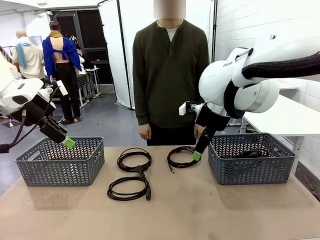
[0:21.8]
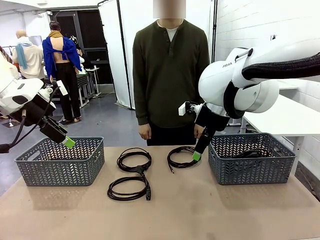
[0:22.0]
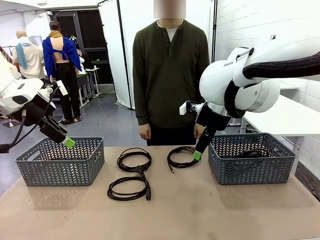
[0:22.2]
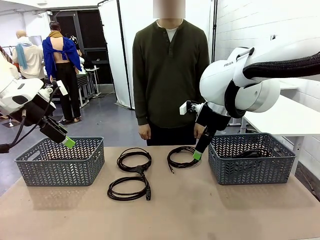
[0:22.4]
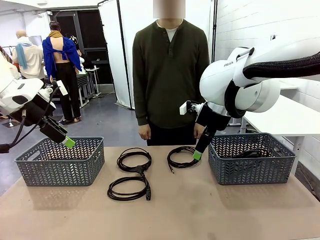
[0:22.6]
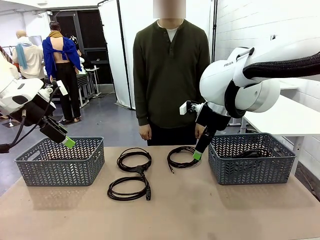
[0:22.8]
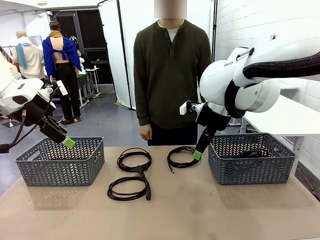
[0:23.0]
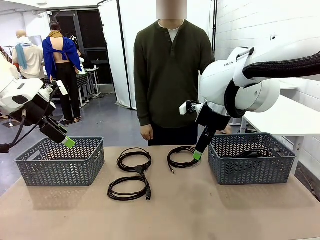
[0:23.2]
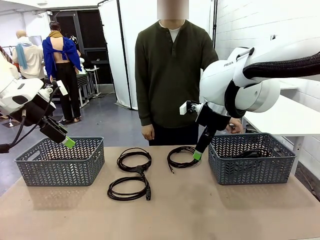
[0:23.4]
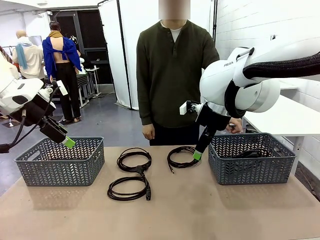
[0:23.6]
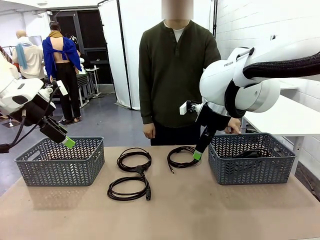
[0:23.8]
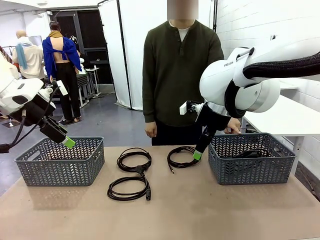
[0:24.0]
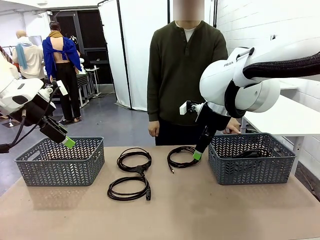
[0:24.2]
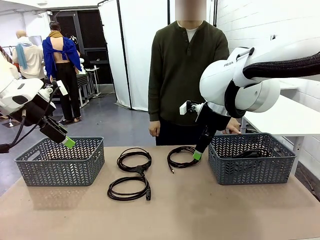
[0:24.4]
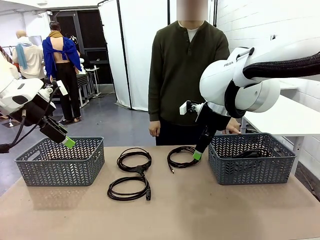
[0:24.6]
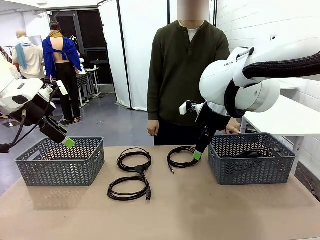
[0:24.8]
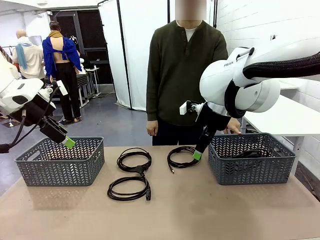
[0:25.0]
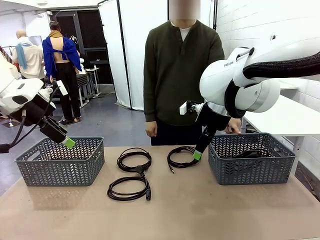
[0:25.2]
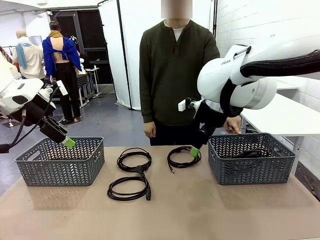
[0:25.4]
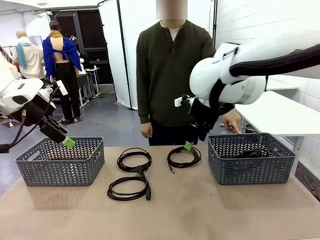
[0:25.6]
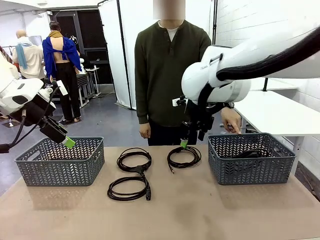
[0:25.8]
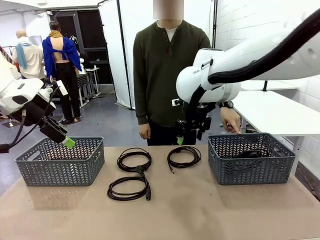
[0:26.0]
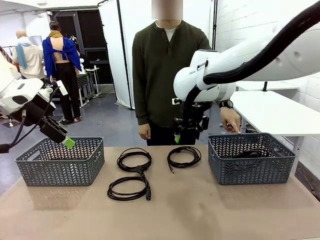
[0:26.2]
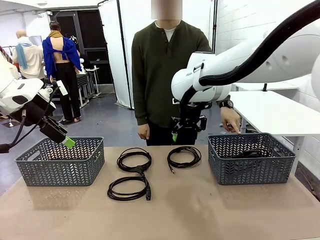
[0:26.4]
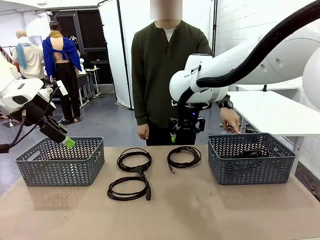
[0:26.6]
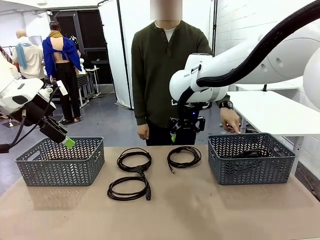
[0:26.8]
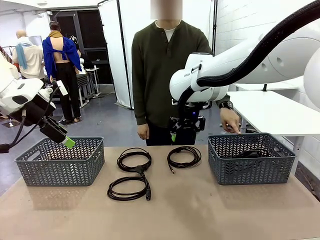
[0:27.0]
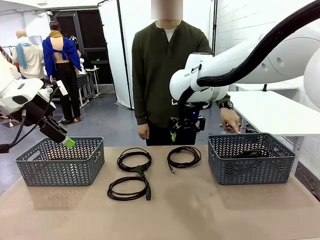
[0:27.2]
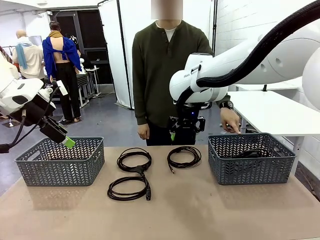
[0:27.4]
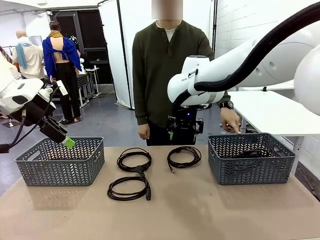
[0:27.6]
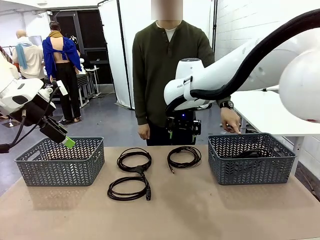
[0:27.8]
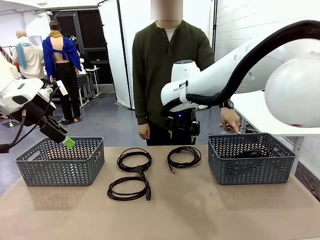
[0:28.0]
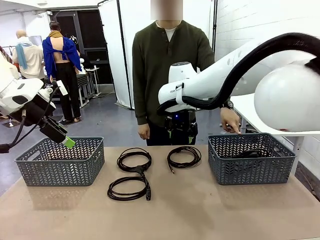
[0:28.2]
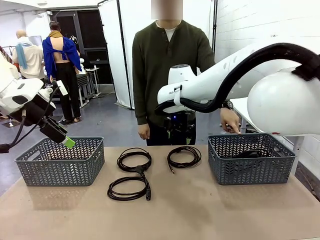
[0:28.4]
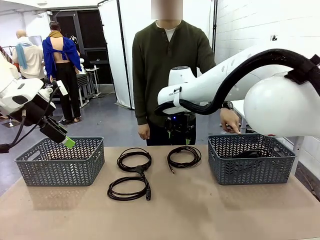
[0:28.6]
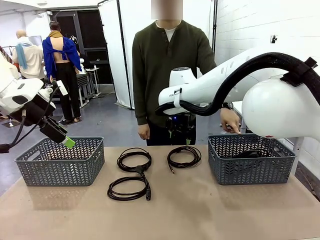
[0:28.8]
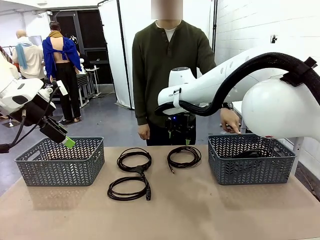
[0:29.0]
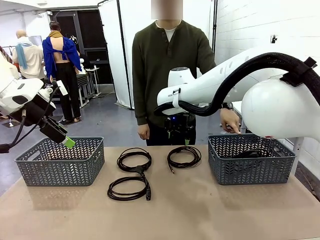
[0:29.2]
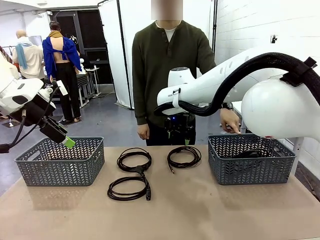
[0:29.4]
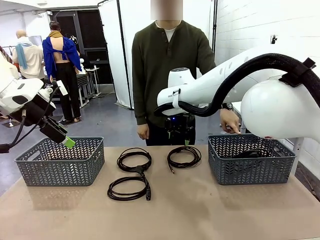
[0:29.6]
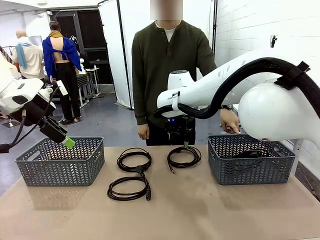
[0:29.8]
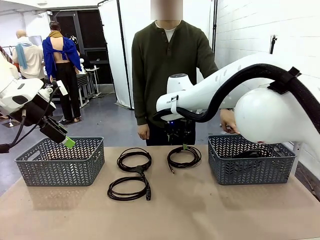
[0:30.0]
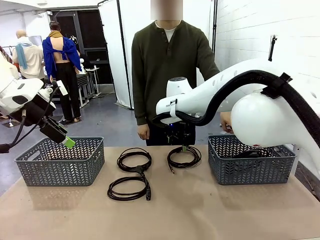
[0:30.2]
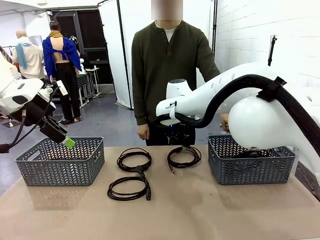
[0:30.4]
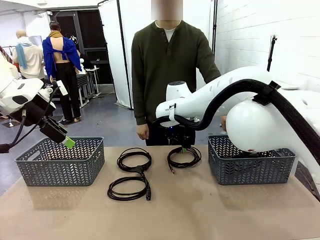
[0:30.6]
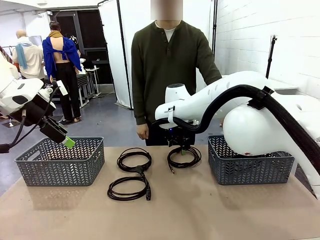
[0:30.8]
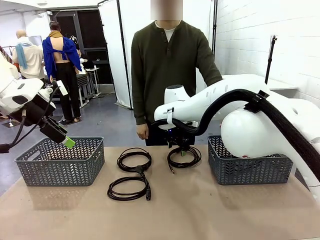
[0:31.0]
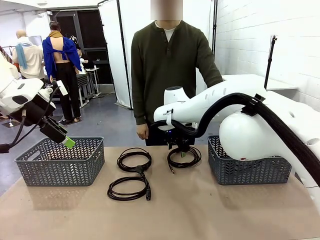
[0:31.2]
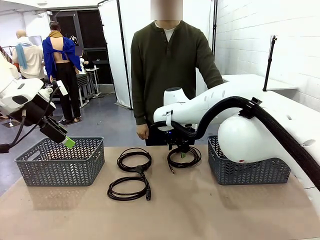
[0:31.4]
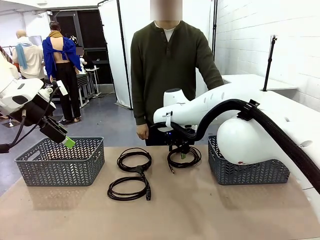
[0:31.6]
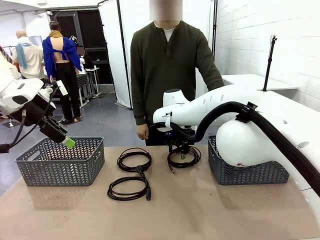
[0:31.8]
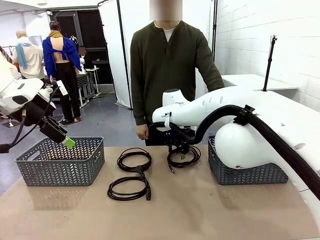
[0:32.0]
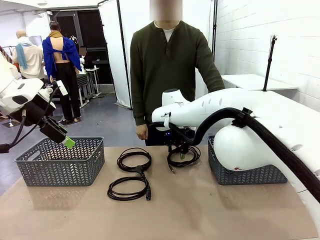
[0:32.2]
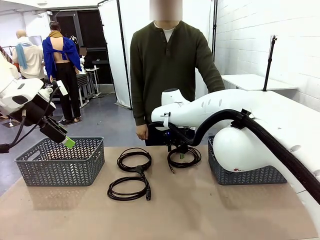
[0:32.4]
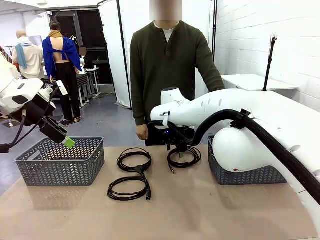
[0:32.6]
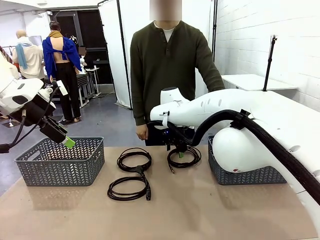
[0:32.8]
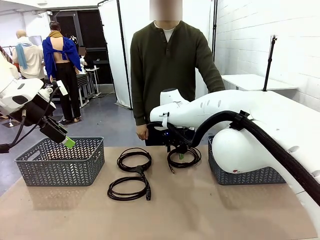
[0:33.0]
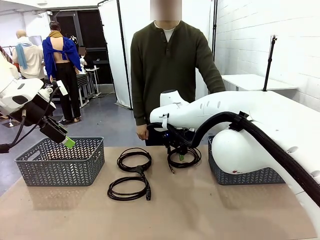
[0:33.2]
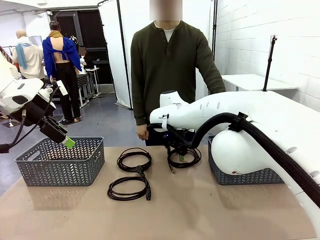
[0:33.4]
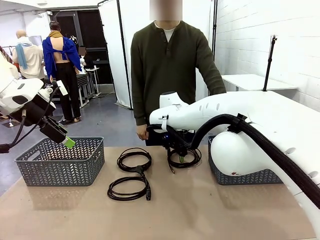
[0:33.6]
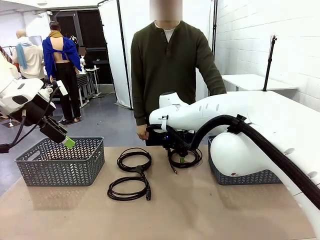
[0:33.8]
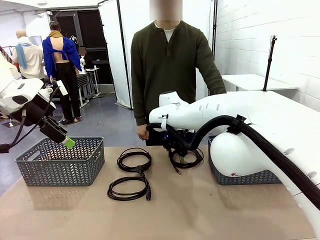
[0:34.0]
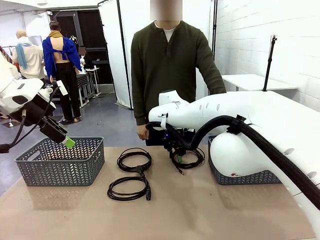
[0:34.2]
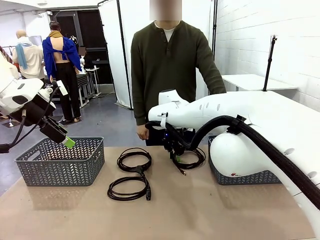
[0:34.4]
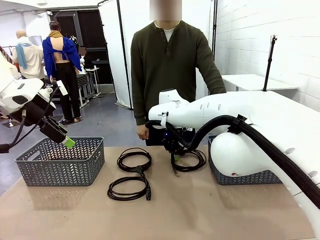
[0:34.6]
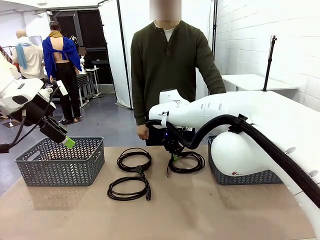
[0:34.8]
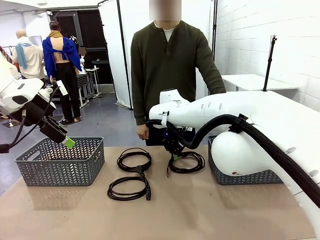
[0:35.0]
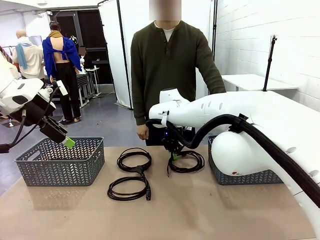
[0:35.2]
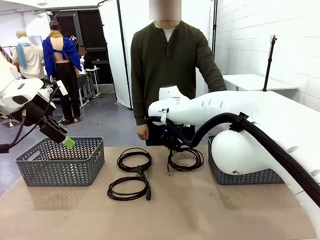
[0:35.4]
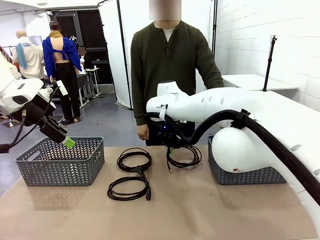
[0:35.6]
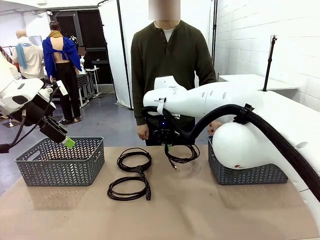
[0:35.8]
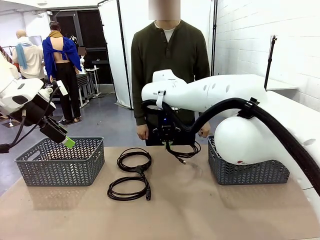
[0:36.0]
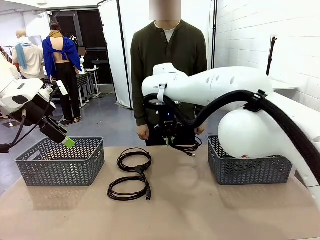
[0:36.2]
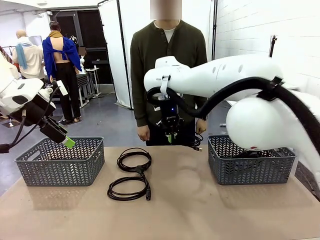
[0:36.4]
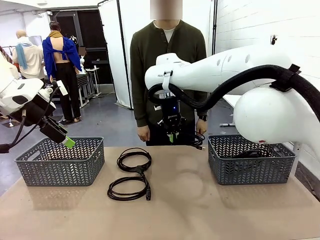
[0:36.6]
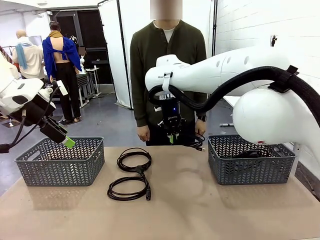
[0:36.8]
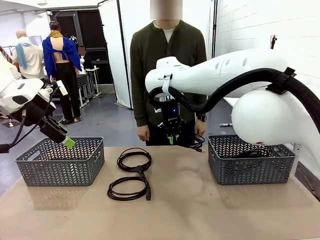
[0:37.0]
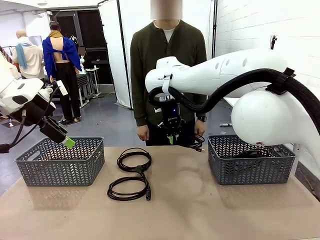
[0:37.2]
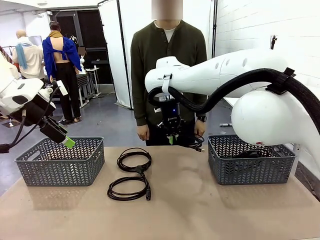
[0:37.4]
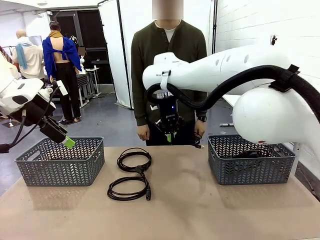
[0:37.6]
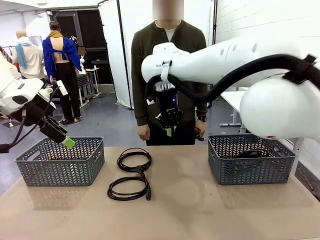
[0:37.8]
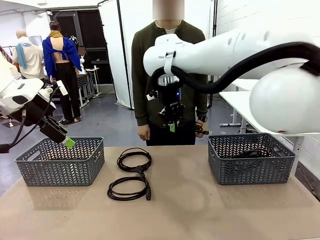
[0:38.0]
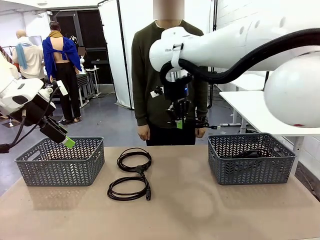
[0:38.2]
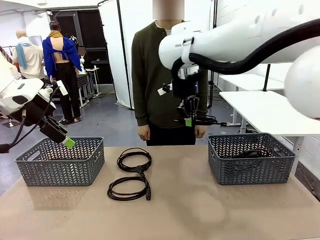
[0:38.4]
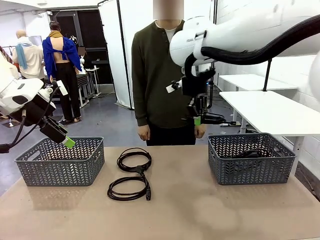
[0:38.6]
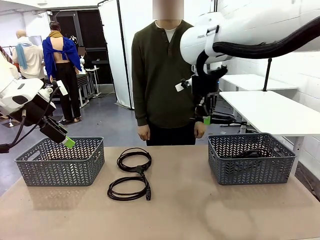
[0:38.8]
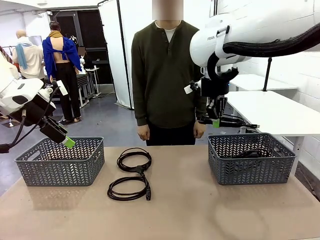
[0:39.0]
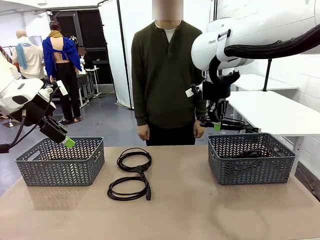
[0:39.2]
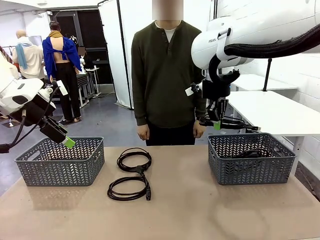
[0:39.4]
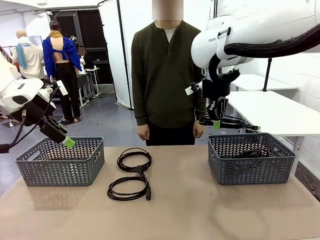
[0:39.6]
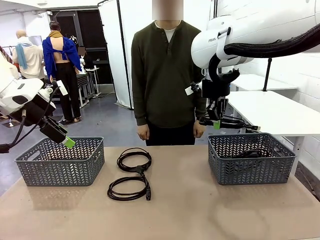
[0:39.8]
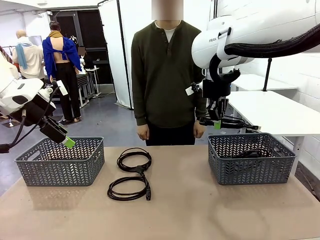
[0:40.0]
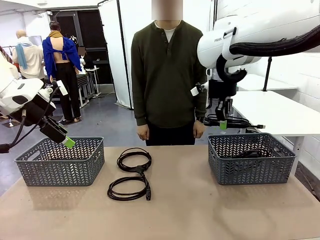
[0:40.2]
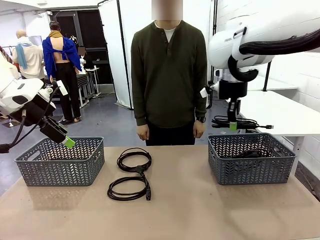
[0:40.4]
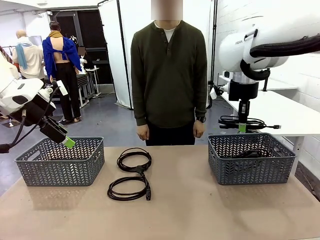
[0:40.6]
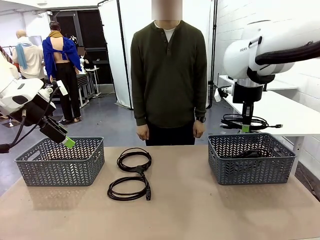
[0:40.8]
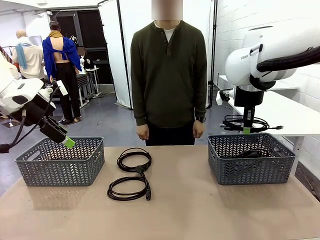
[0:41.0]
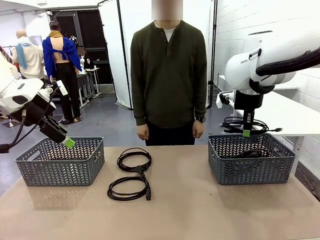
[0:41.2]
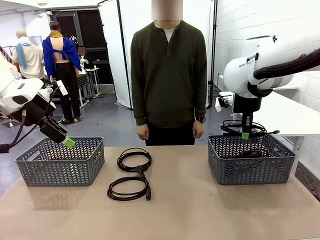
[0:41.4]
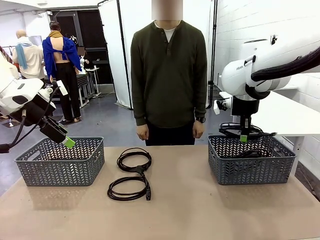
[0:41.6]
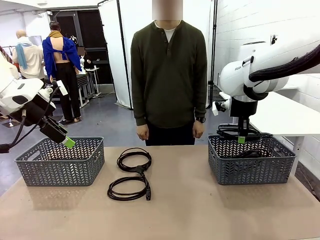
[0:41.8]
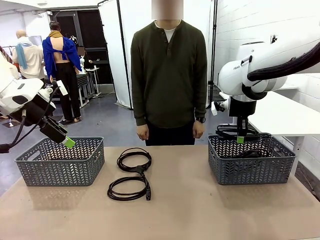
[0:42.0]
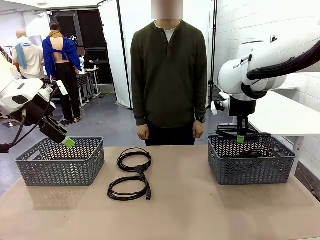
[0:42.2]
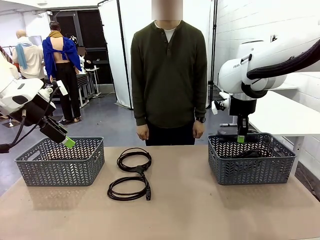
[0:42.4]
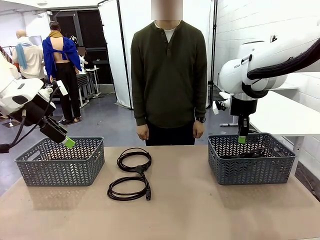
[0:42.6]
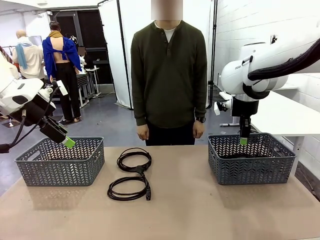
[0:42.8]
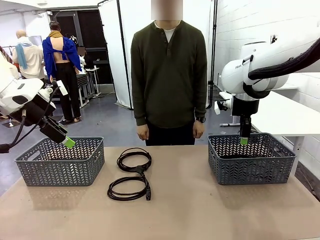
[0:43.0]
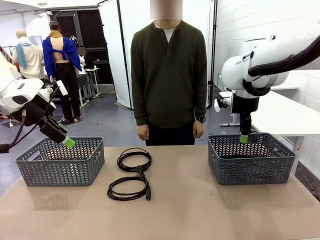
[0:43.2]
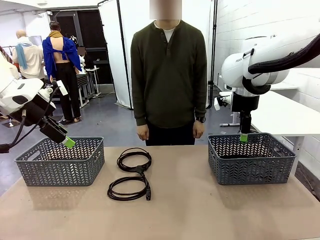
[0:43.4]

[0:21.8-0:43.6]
Task: Organize the cables according to human instructions.
Robot: Pick up a bundle of cables and place it in the basket indicated by the human.
